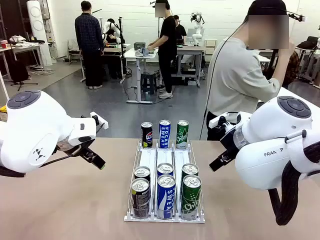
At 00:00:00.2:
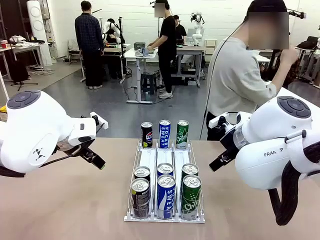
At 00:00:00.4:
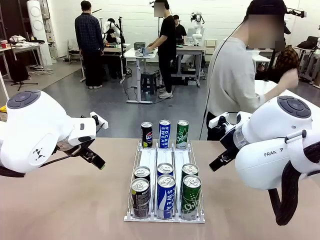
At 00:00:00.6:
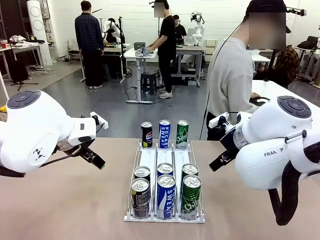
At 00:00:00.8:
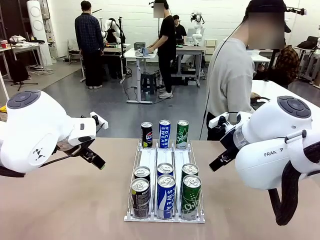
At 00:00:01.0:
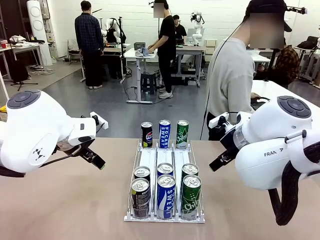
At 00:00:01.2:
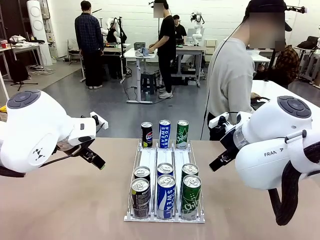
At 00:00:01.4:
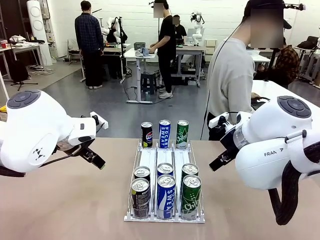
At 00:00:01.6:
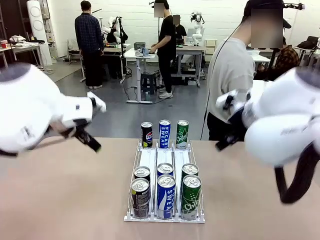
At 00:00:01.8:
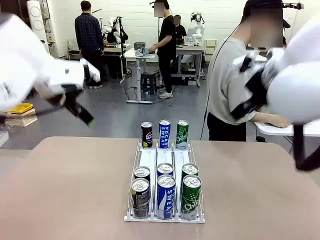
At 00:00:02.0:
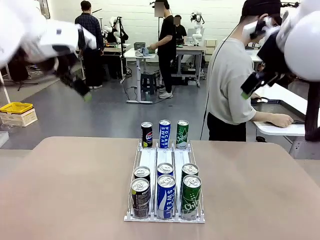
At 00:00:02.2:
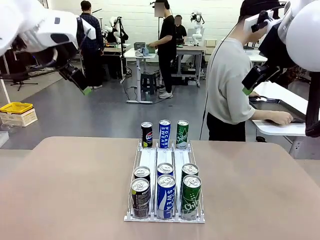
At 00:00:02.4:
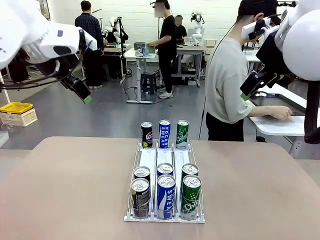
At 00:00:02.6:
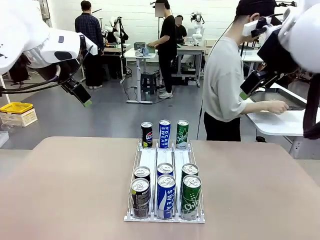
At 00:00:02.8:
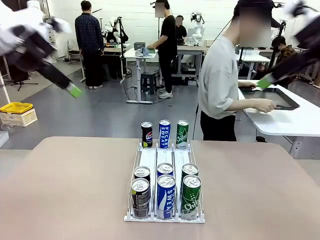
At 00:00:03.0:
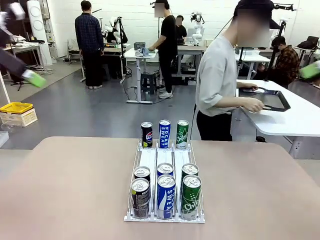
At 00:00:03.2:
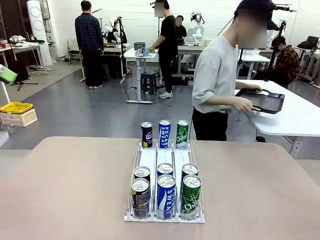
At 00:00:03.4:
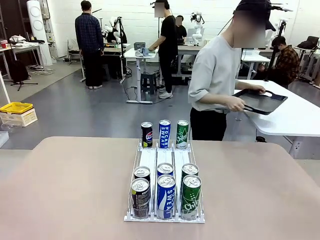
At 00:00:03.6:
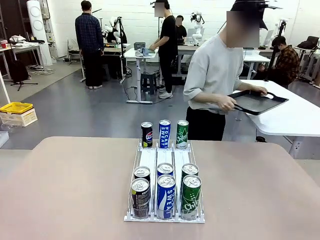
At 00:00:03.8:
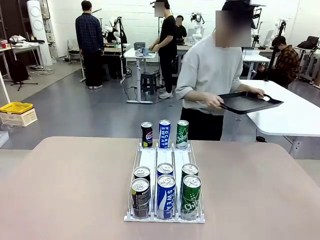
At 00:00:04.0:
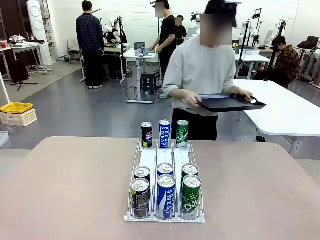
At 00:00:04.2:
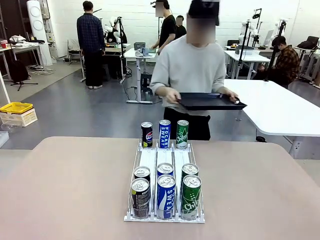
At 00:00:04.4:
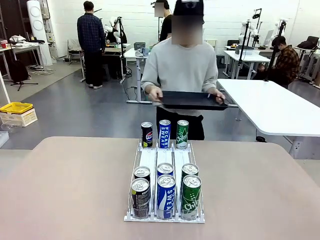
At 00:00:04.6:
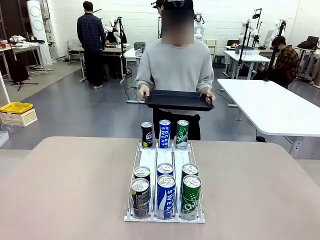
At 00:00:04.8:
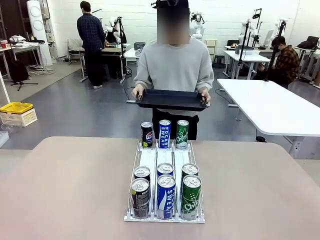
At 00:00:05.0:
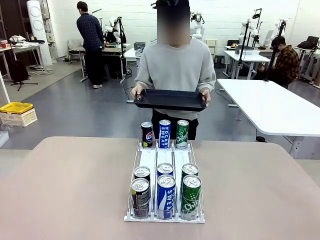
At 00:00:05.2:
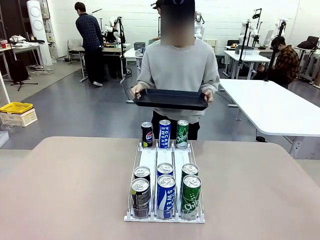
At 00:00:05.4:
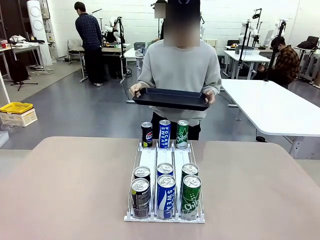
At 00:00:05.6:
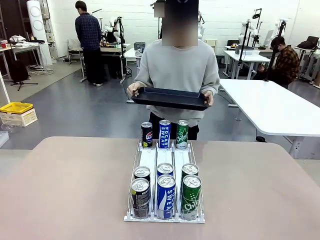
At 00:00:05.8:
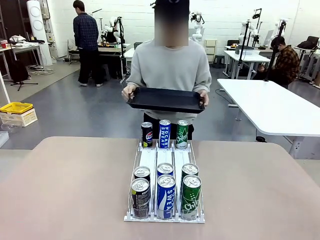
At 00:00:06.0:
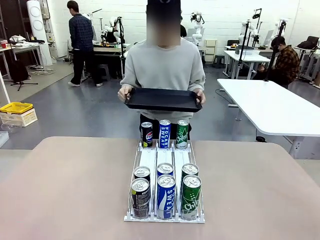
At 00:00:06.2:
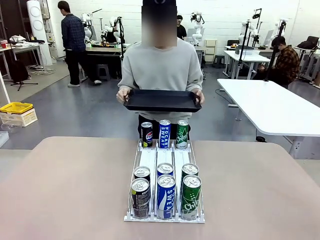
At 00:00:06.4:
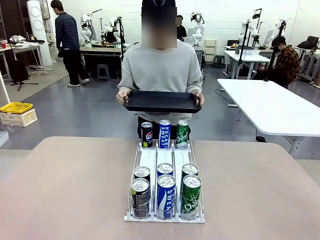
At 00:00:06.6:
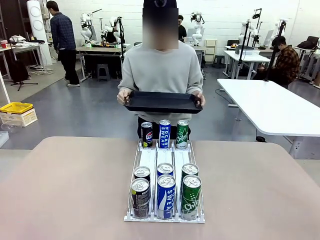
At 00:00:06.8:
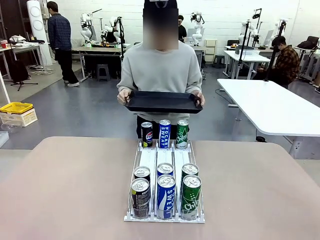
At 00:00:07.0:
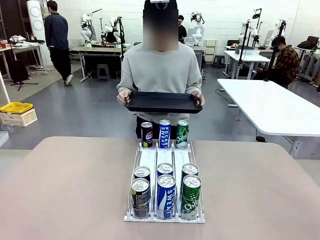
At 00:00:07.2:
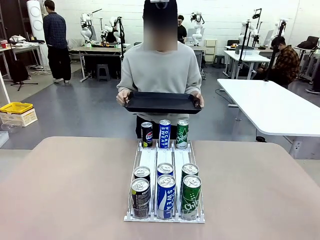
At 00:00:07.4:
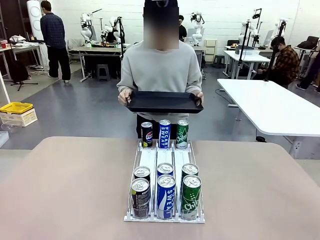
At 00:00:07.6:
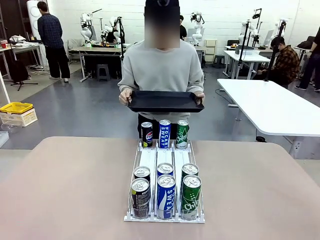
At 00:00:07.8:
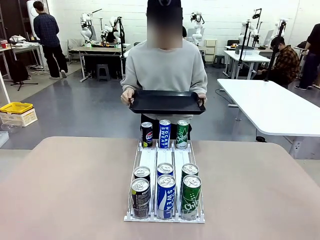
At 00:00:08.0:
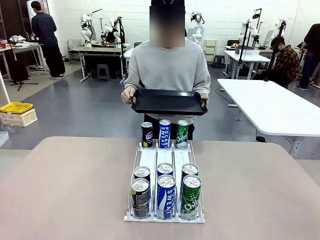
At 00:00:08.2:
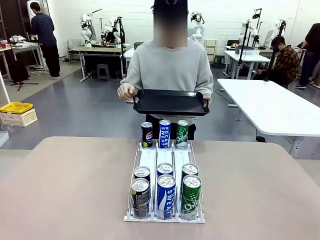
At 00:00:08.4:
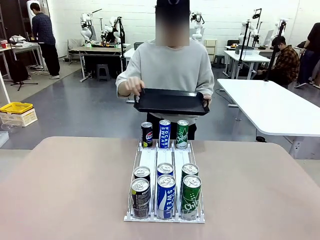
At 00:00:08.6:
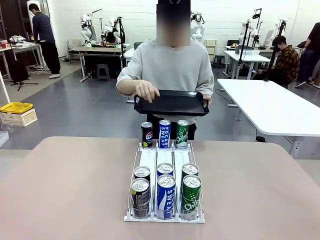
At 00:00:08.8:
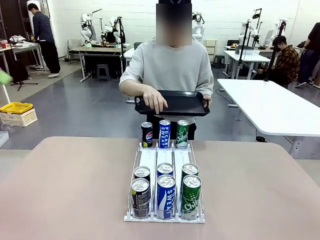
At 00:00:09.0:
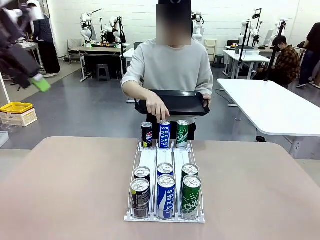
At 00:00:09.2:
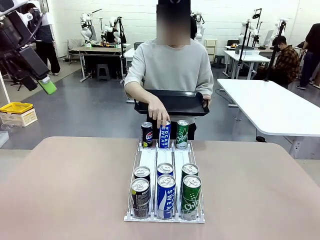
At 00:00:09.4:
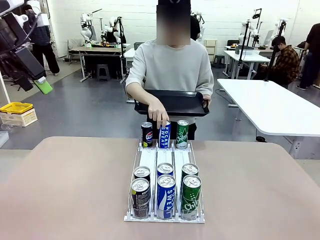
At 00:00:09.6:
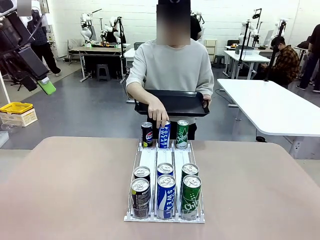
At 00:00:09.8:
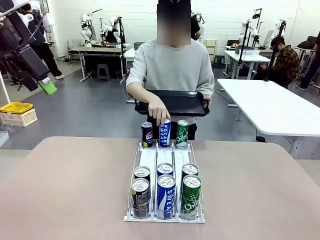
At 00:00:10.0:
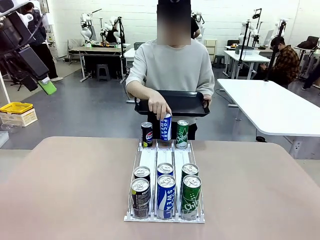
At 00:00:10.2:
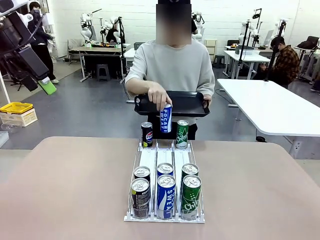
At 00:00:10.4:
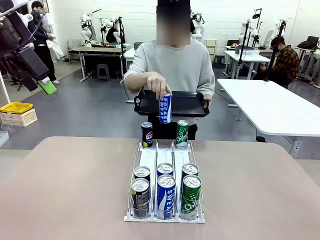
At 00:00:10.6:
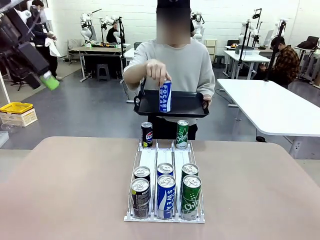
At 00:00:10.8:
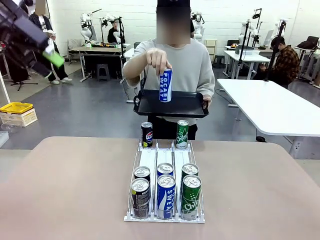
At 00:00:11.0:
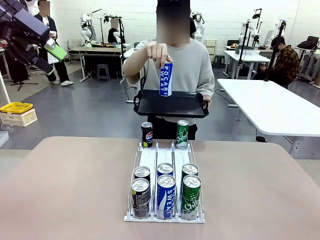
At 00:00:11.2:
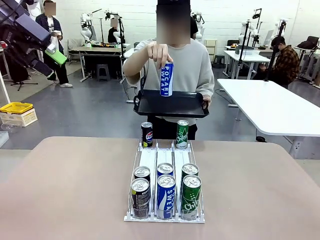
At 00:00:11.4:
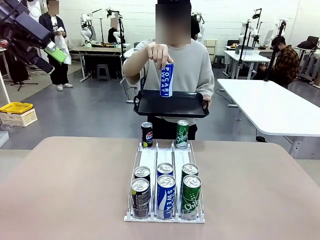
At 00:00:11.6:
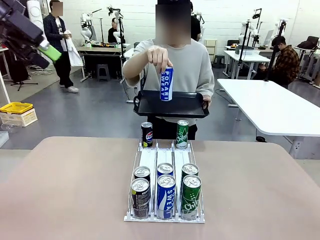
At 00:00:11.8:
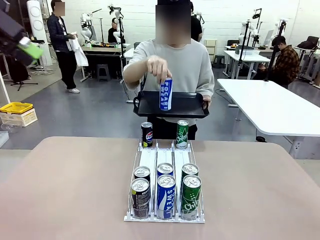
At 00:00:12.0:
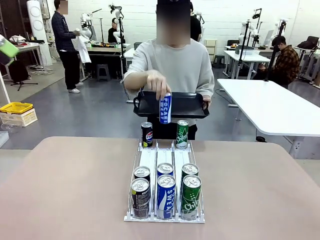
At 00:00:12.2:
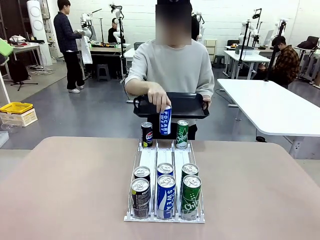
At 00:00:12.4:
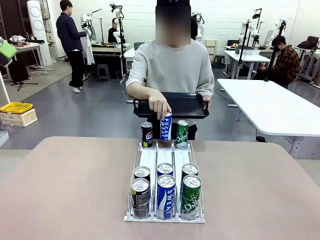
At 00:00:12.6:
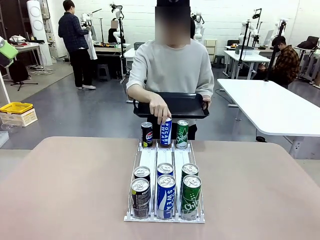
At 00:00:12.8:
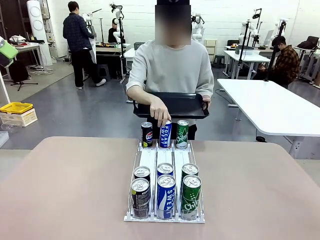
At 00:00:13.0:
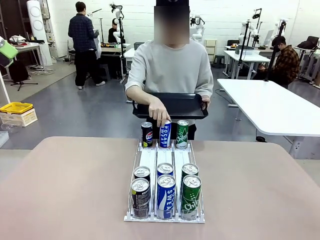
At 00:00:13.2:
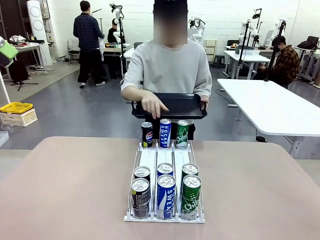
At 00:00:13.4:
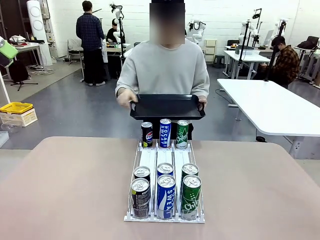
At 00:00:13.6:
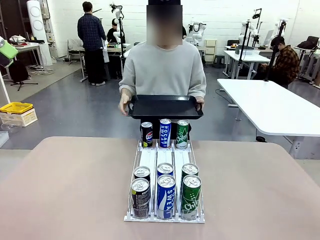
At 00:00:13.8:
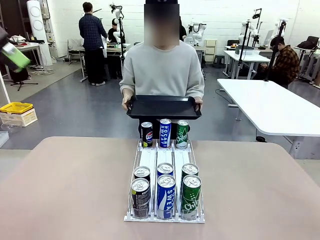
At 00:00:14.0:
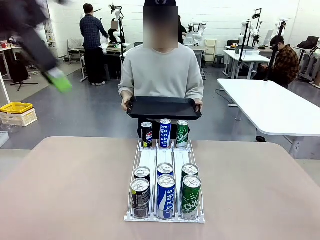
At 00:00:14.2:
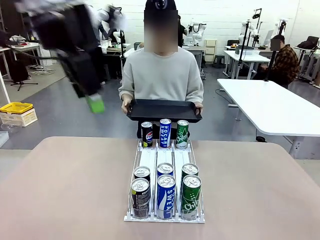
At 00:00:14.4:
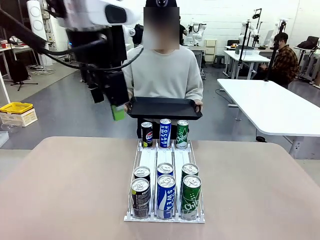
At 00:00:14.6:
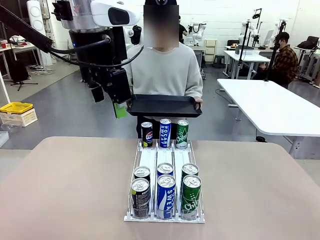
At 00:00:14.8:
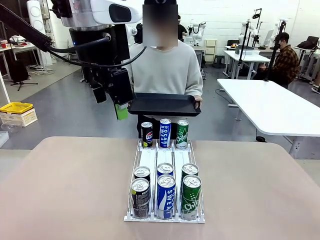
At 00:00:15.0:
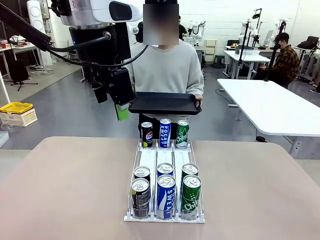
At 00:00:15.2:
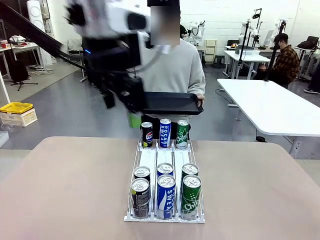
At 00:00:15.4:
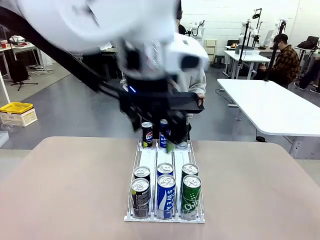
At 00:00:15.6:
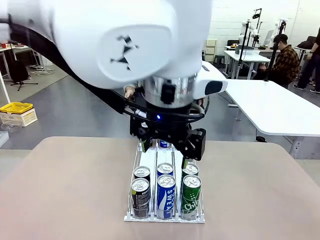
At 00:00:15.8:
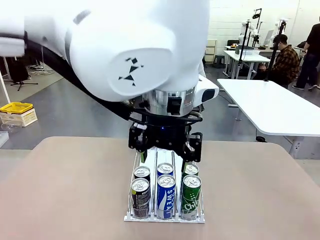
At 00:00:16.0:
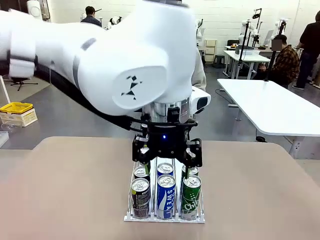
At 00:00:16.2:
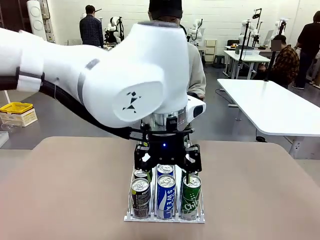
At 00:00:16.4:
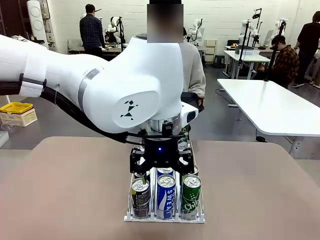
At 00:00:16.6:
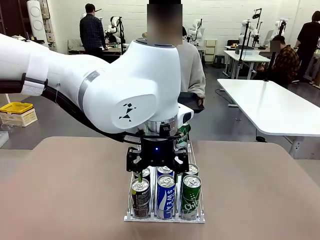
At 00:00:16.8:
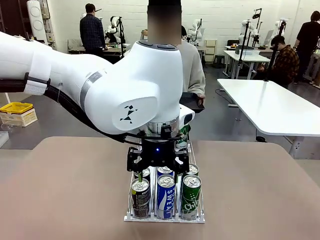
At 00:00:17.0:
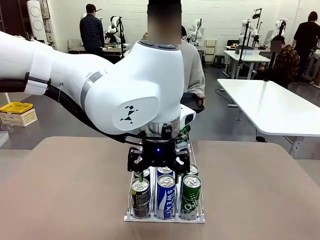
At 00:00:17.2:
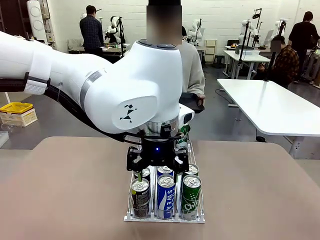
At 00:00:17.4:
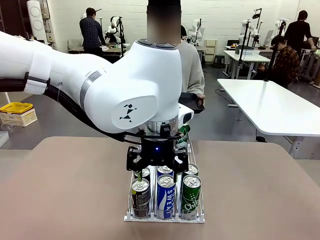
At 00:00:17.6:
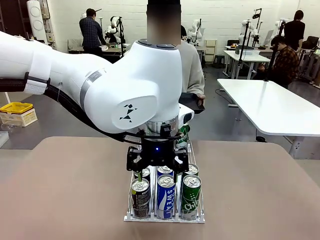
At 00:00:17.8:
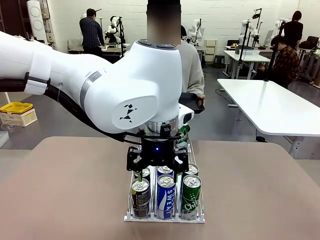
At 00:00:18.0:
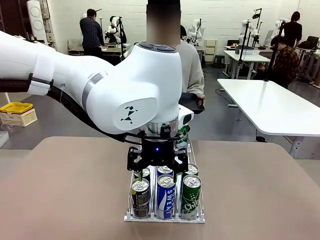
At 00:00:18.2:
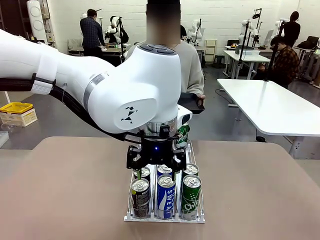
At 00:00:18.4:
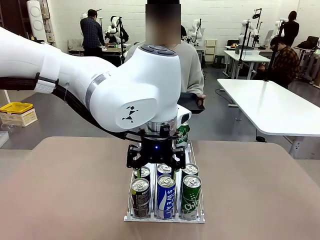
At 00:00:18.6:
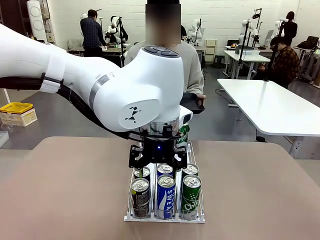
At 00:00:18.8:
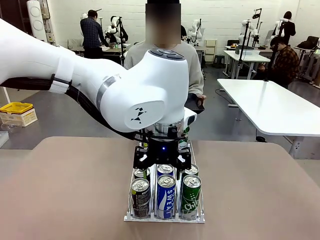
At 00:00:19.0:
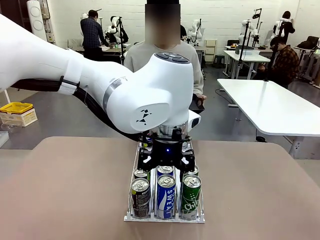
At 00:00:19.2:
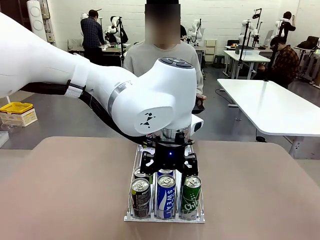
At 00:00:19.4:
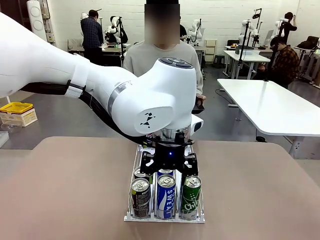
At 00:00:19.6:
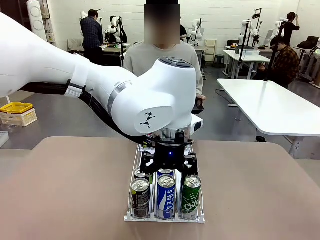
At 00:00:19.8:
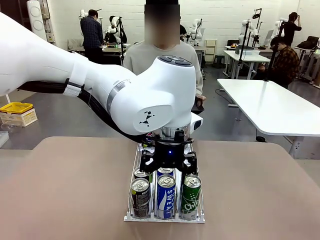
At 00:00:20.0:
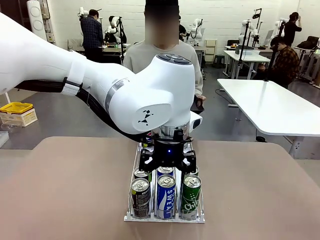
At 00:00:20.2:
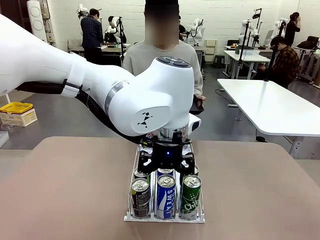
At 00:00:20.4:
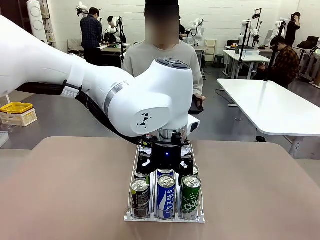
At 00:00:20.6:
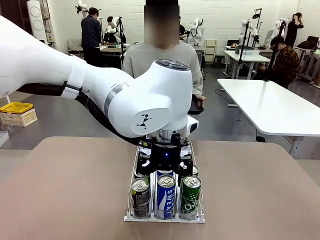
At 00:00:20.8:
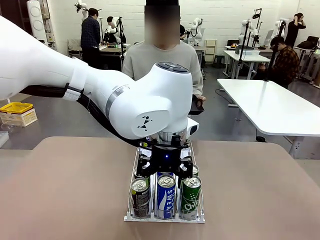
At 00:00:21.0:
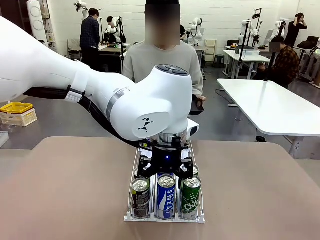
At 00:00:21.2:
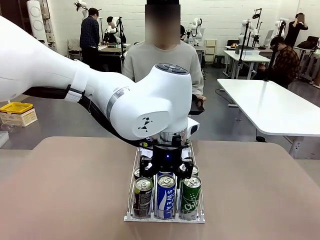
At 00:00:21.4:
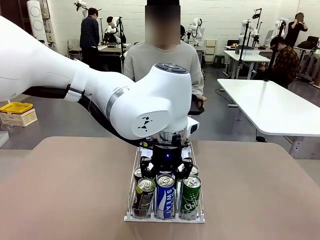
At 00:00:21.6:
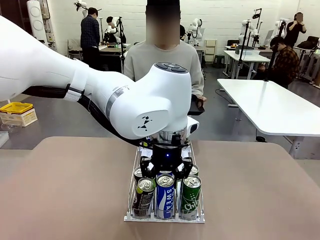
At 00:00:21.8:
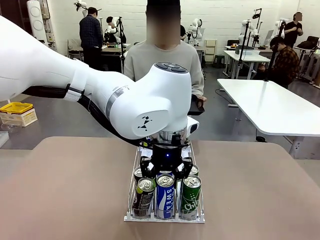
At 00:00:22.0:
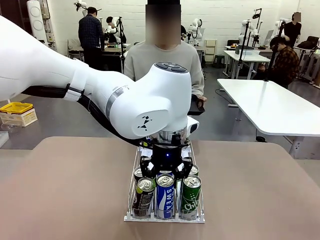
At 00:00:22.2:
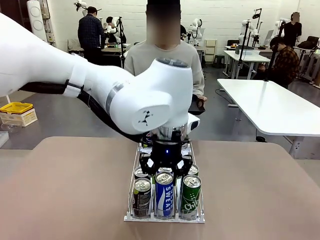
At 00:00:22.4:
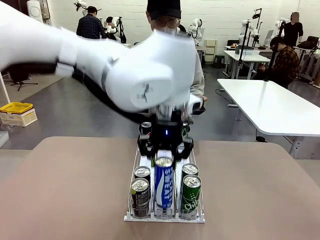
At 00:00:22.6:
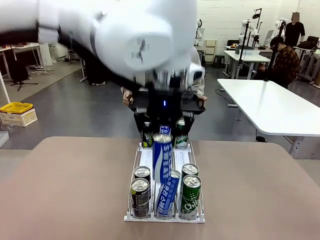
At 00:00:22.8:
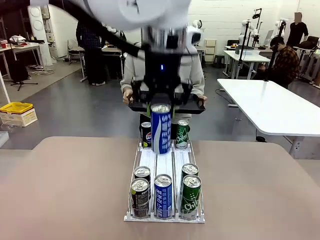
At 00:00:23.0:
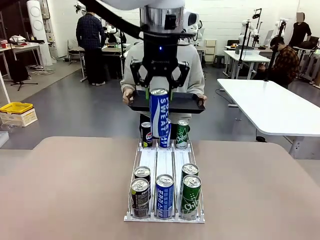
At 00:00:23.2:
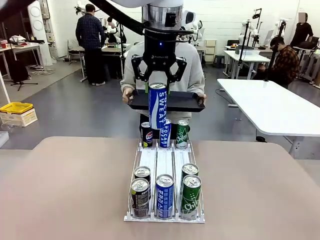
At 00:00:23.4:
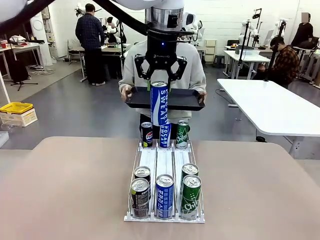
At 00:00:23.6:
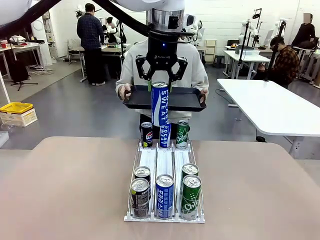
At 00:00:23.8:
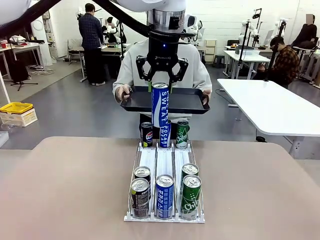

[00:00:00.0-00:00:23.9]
Task: Retrieve and hand over the desired beverage to the person.
Robot: Pick up a can of the same type that the person held from the Automatic Can Dispenser.
Person: Hold the tray and position yourself in front of the robot table. Pick up one can from the bottom area of the table and puts it back in its original place. Push the tray toward the robot.
